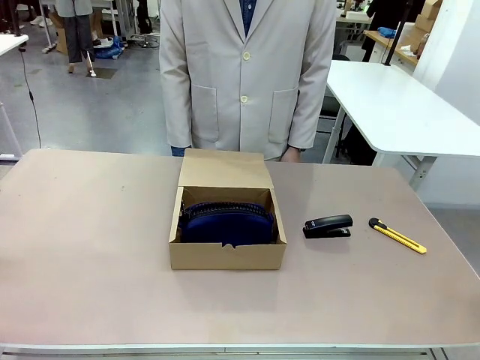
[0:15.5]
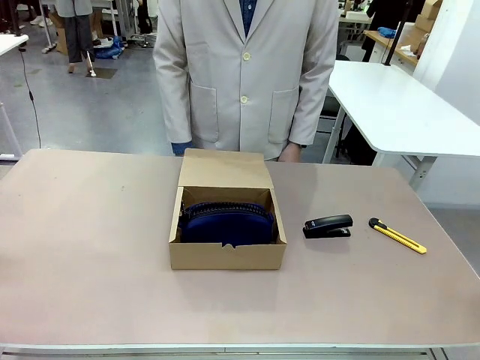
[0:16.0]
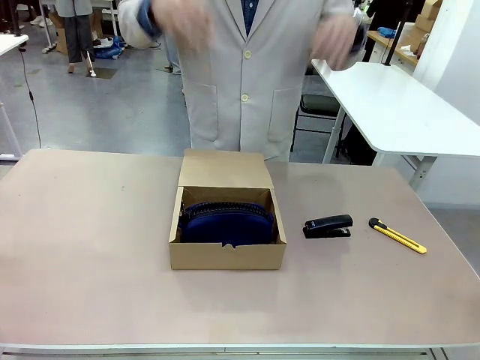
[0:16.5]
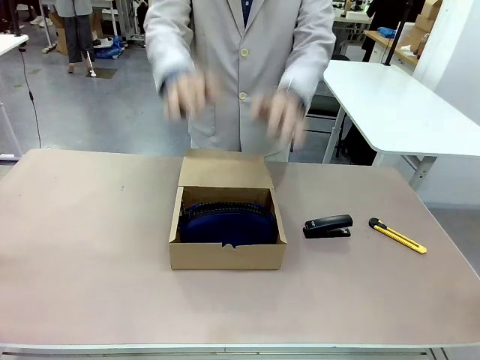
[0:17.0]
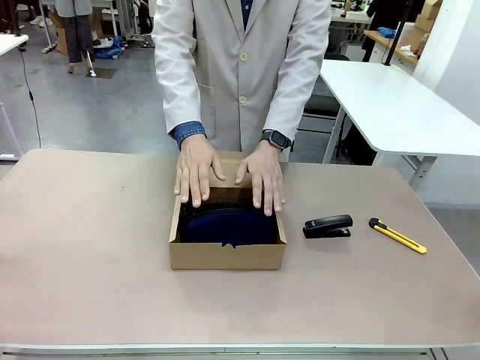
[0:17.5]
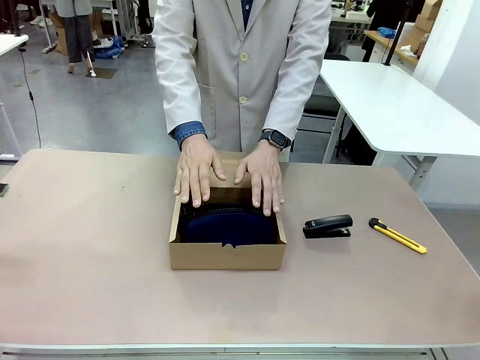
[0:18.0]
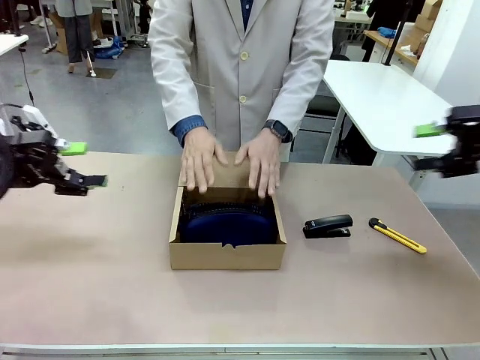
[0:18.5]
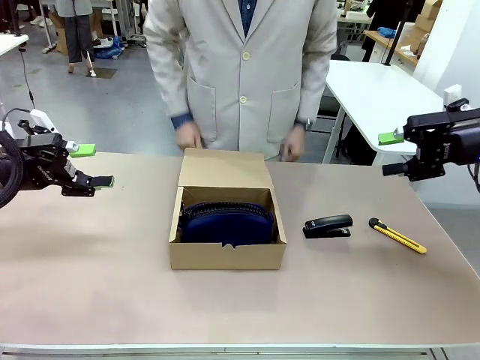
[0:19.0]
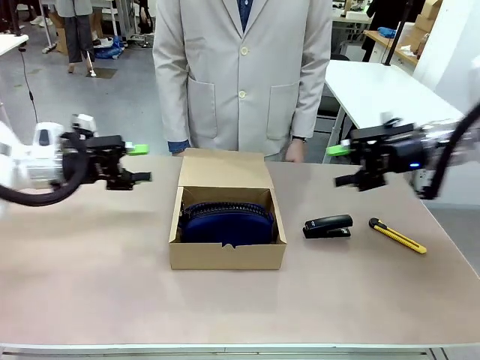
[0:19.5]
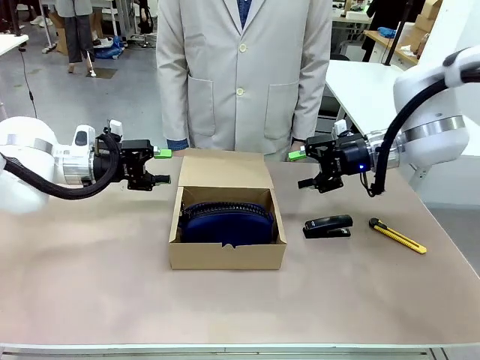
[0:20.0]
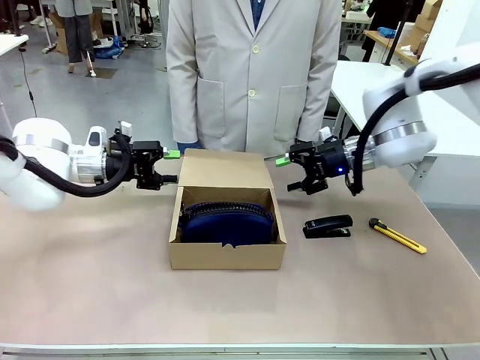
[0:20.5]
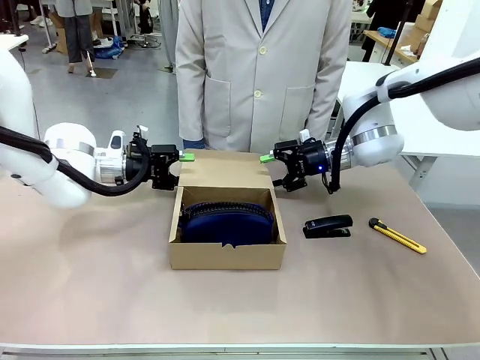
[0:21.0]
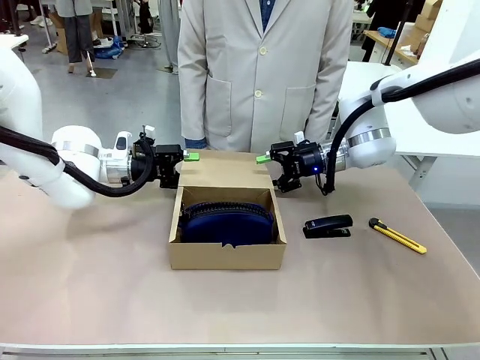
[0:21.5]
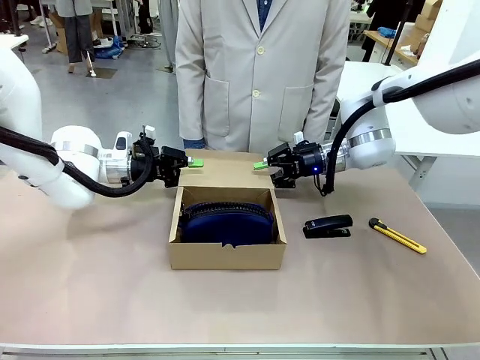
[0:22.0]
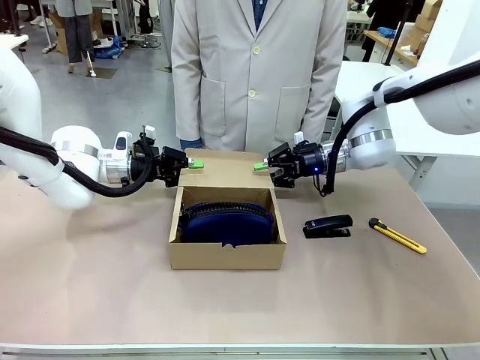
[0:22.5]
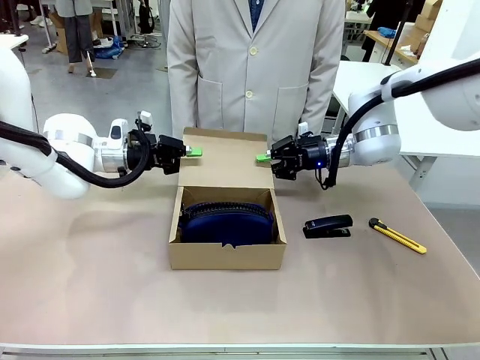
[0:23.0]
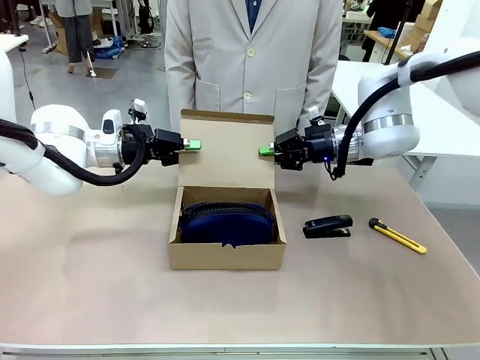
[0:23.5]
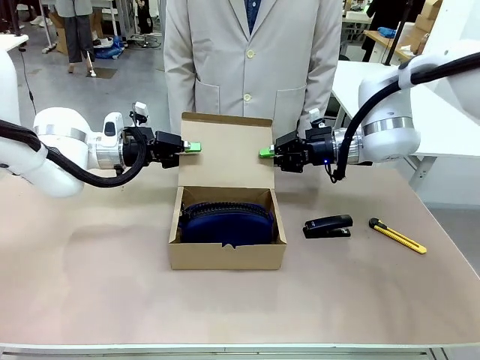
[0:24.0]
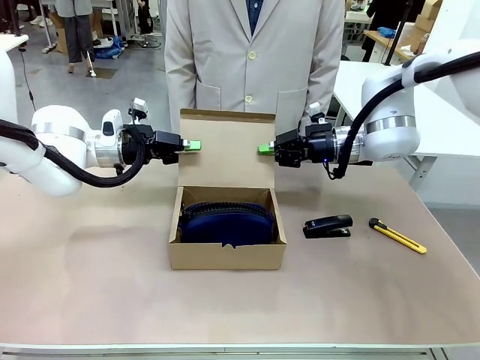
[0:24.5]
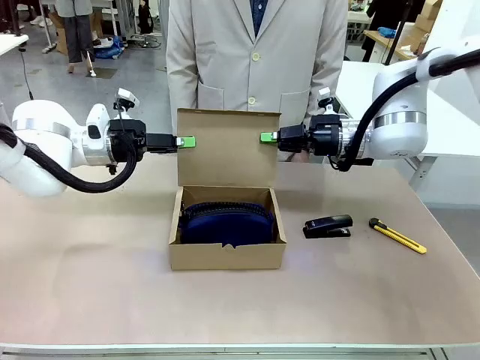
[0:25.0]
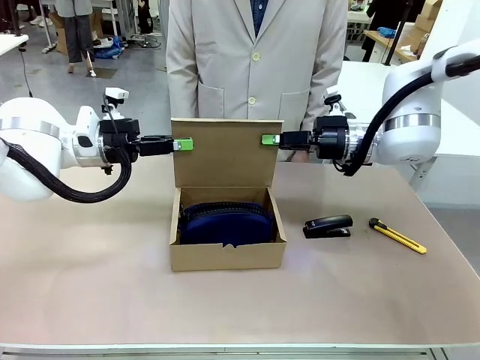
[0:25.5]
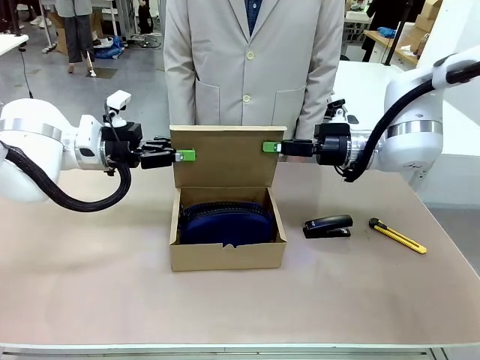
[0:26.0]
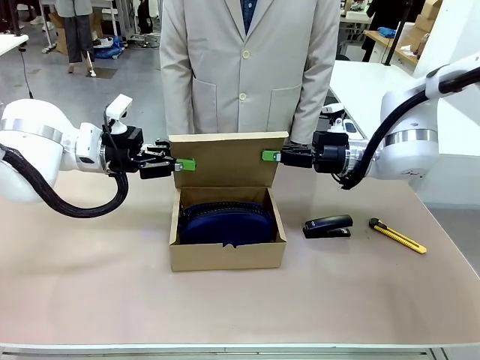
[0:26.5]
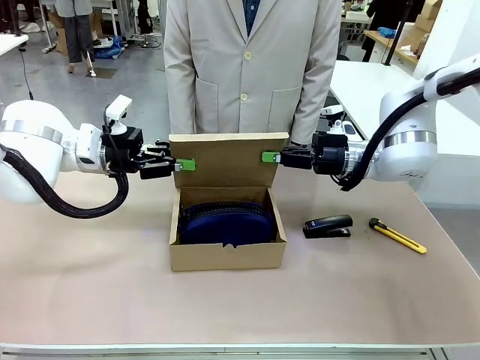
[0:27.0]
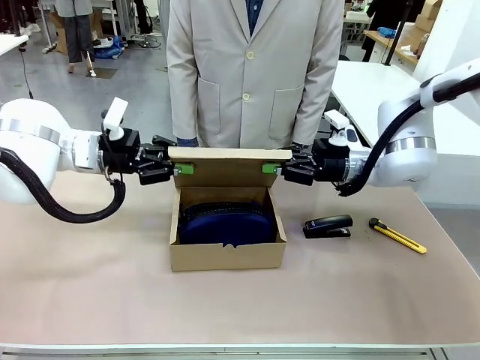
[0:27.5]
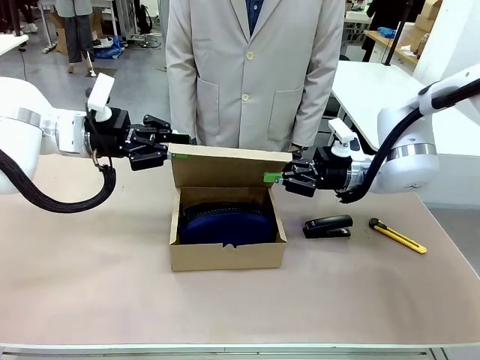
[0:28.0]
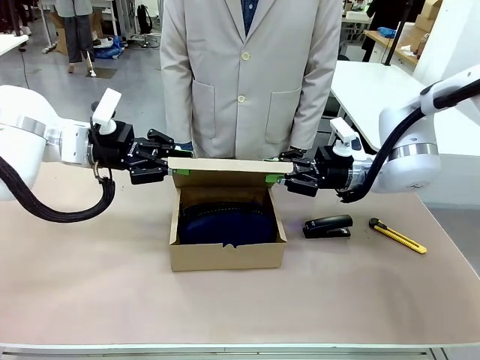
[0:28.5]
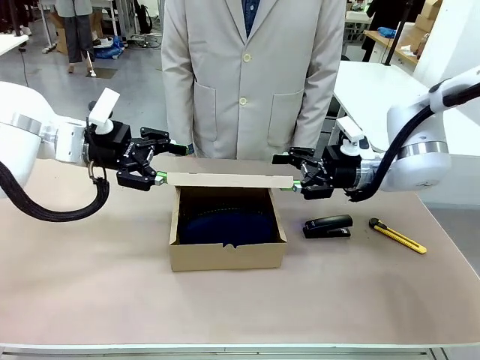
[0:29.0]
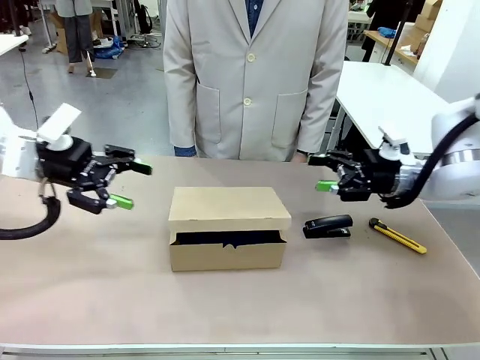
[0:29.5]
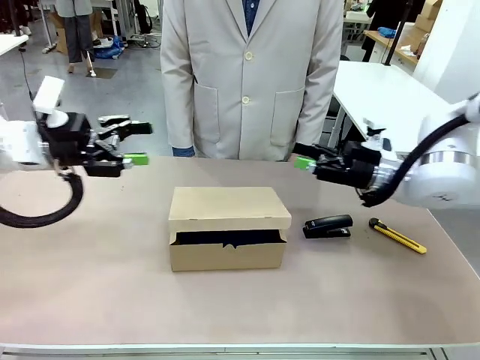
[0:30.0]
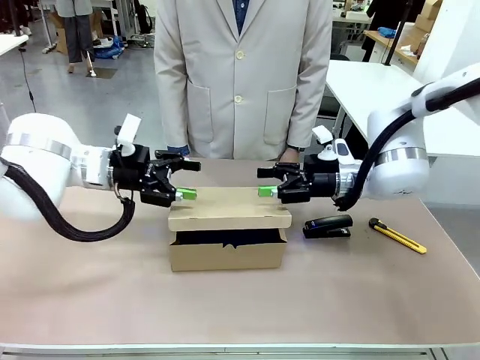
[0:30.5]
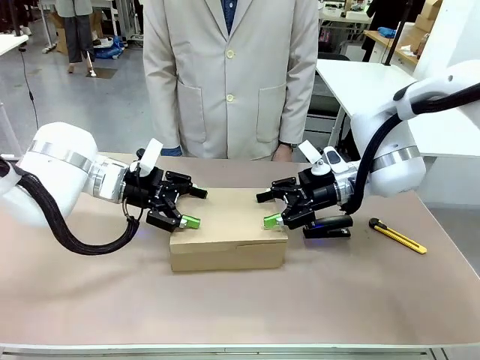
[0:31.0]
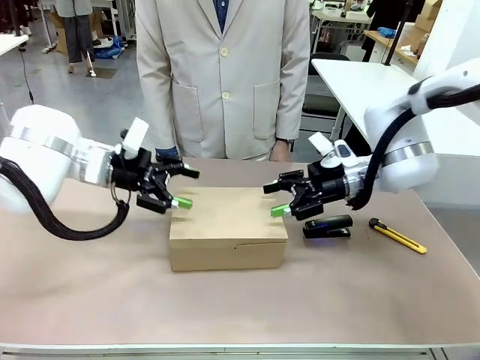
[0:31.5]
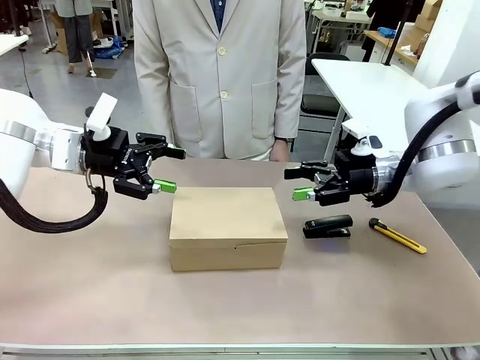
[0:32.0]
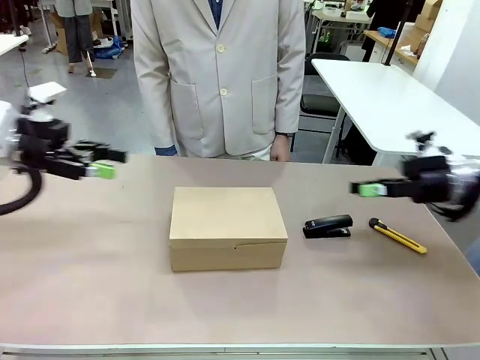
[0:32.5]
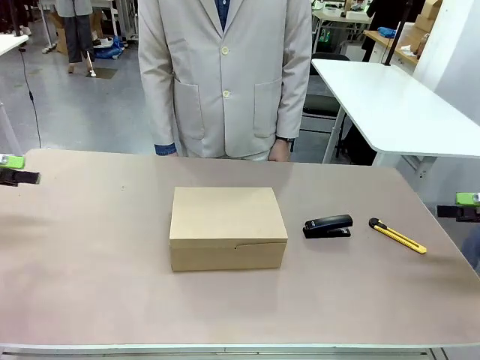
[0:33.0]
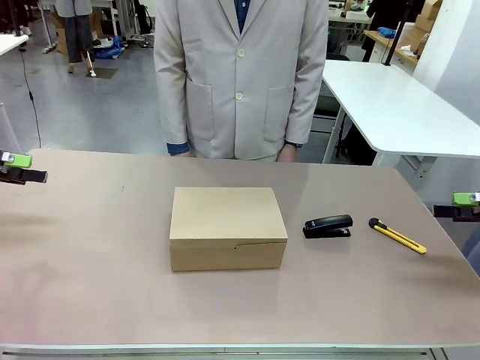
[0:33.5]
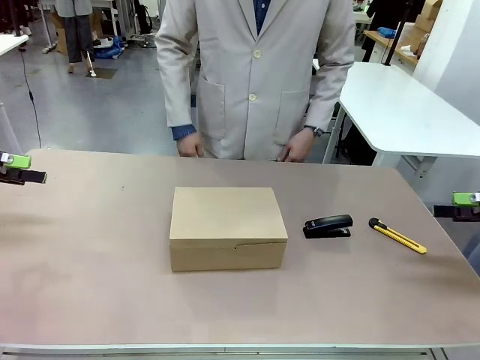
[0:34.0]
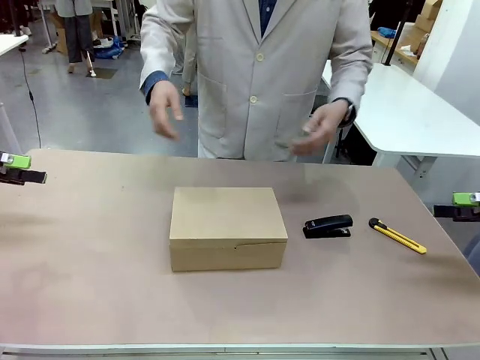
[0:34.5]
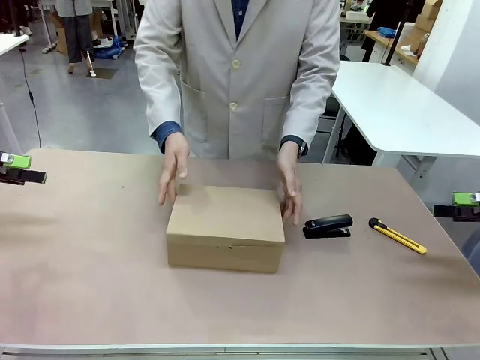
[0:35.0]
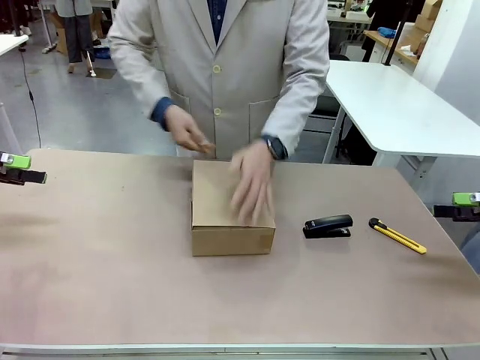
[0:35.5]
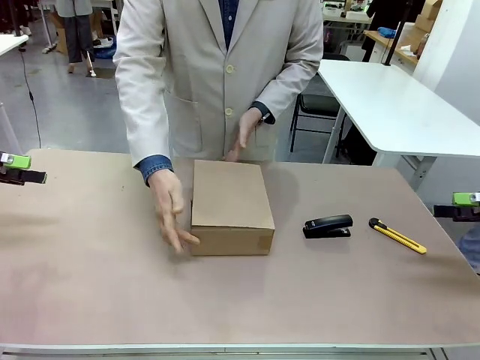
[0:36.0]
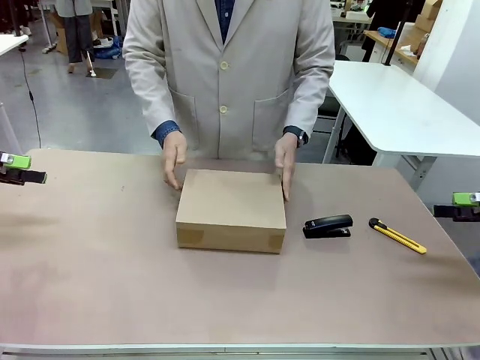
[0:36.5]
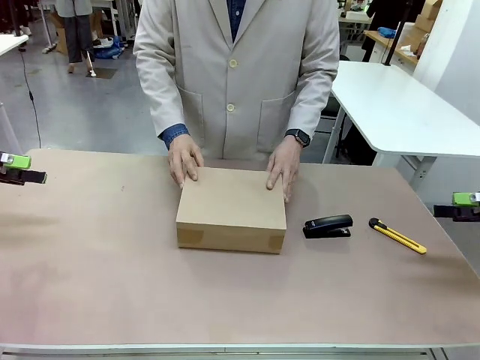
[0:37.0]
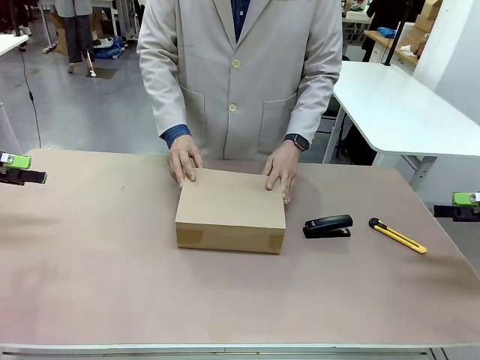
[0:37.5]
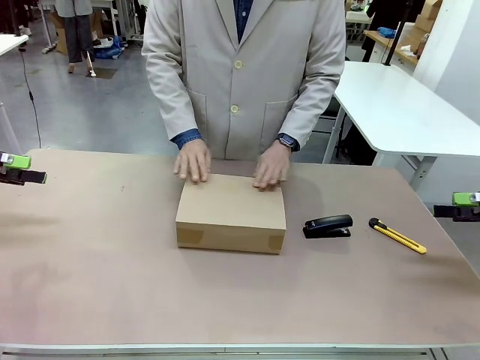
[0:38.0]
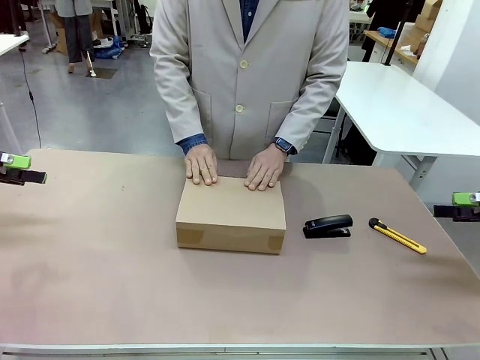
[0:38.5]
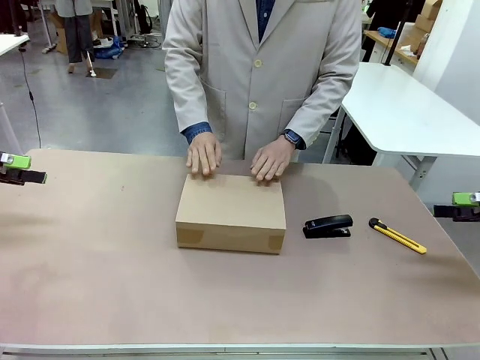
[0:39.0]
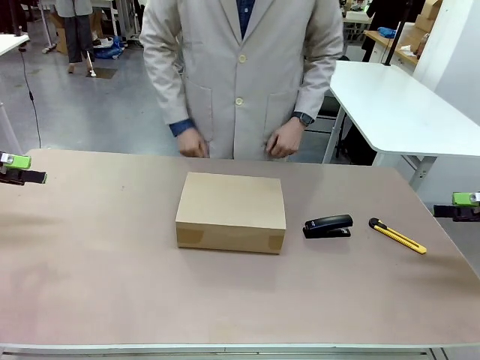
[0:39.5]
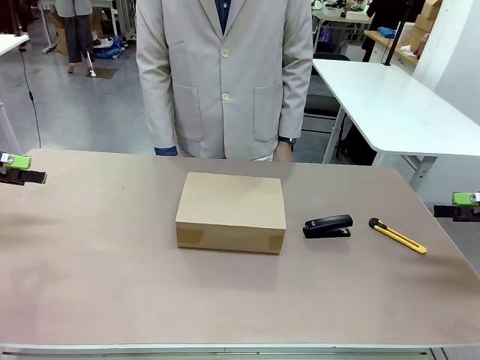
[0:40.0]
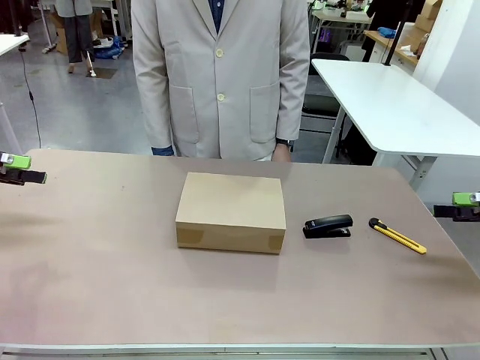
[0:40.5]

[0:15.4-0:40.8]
Task: Pack the item into the box.
Robot: Close the Mailer Box.
Person: Lower both hands vertically with palms facing downward, as if pressing something closed. Turn the box and lock it.
